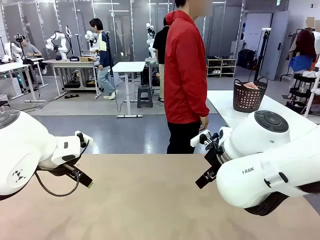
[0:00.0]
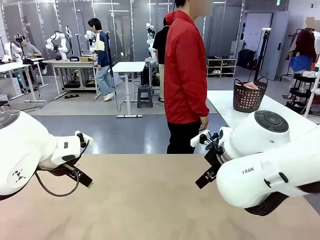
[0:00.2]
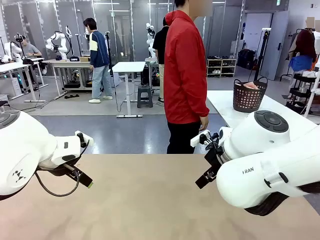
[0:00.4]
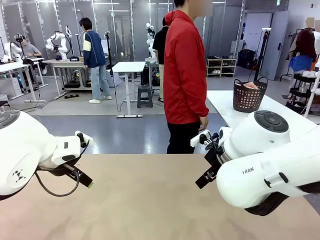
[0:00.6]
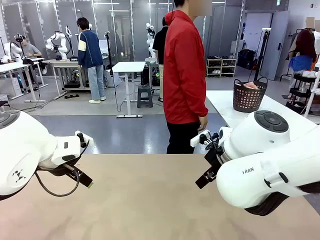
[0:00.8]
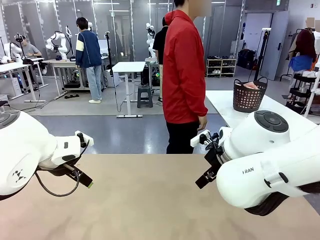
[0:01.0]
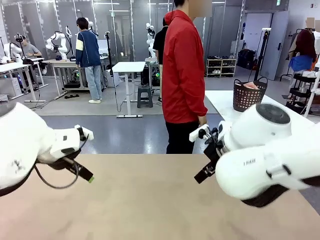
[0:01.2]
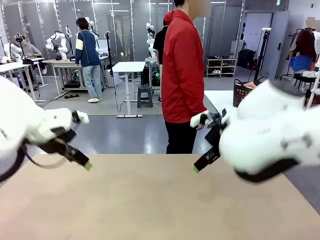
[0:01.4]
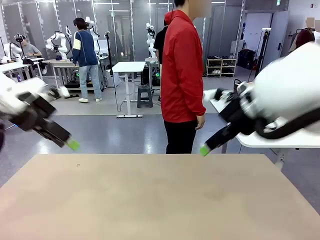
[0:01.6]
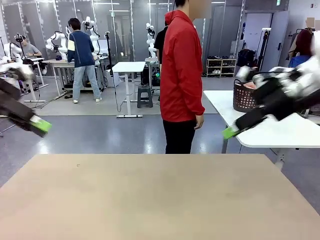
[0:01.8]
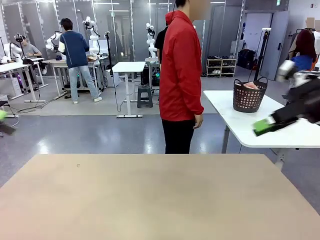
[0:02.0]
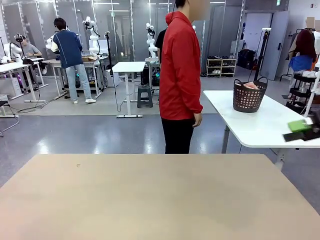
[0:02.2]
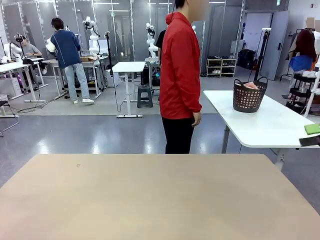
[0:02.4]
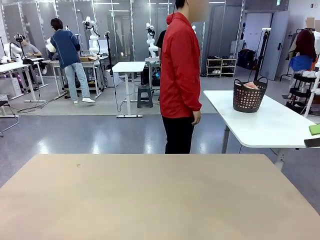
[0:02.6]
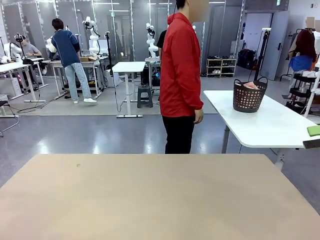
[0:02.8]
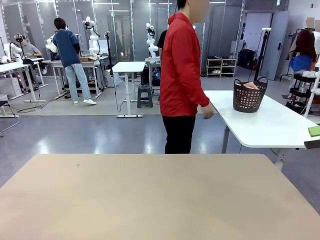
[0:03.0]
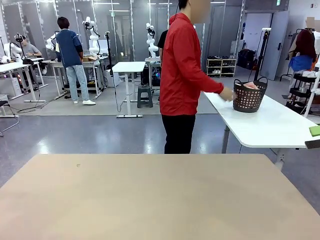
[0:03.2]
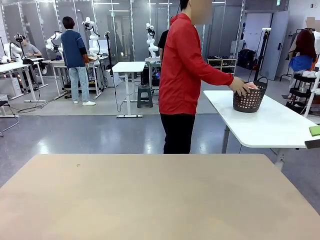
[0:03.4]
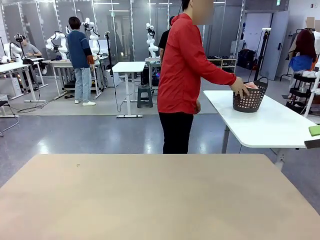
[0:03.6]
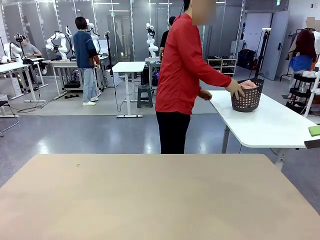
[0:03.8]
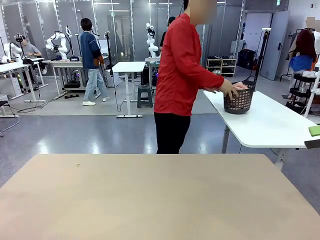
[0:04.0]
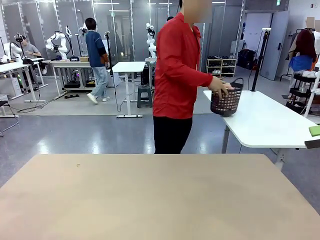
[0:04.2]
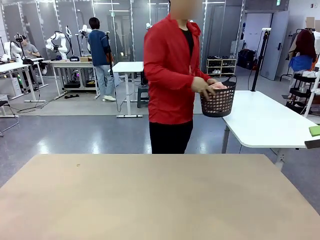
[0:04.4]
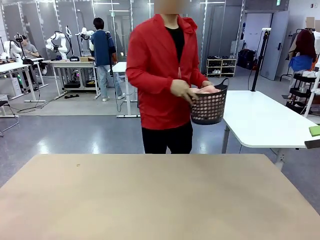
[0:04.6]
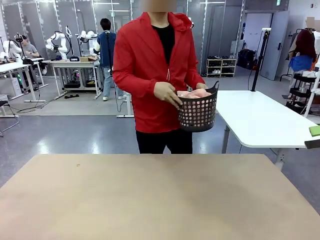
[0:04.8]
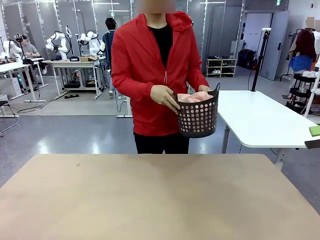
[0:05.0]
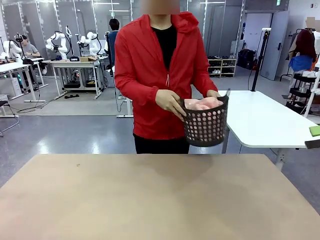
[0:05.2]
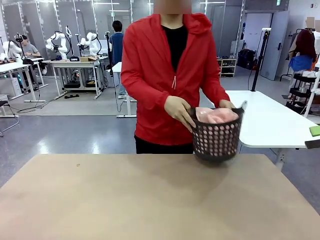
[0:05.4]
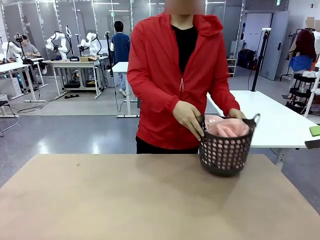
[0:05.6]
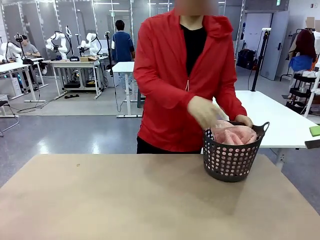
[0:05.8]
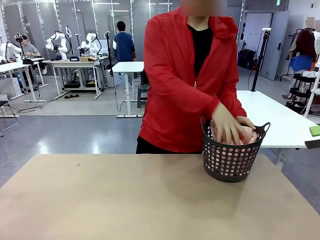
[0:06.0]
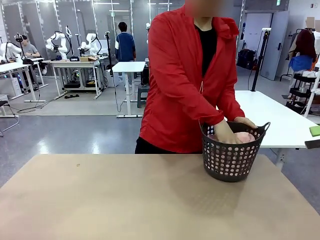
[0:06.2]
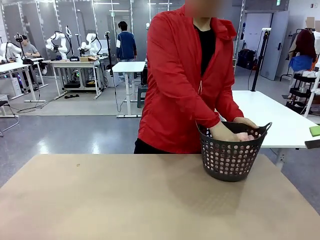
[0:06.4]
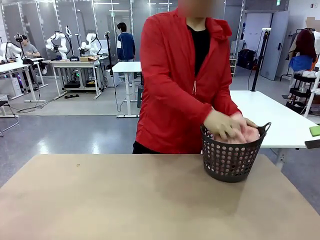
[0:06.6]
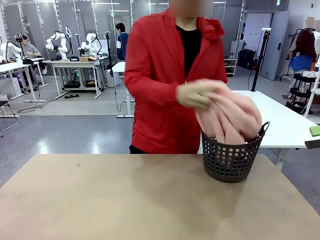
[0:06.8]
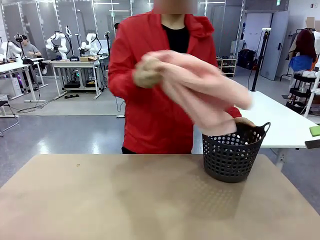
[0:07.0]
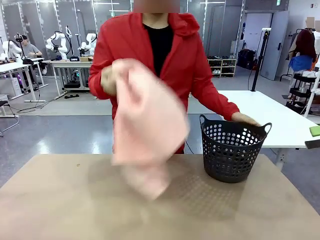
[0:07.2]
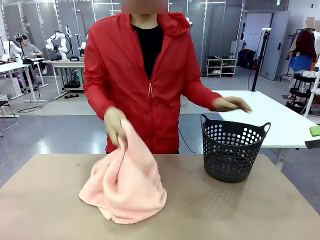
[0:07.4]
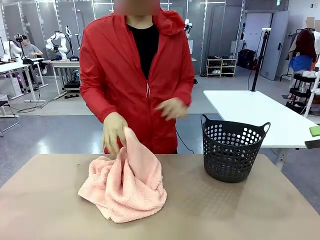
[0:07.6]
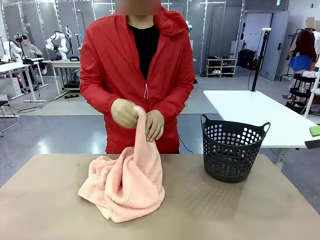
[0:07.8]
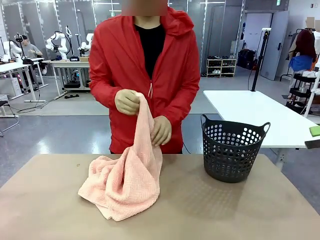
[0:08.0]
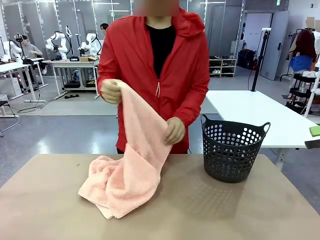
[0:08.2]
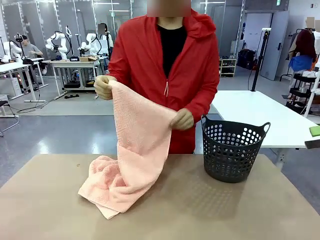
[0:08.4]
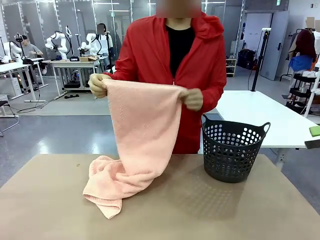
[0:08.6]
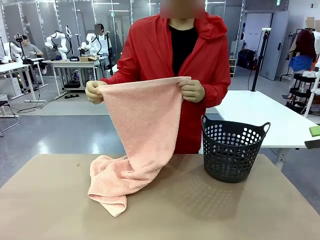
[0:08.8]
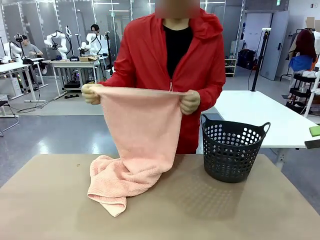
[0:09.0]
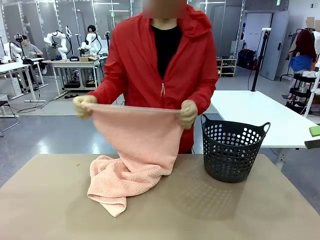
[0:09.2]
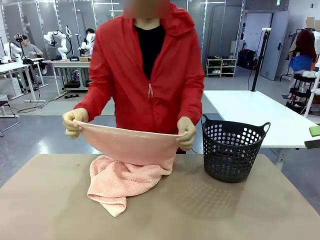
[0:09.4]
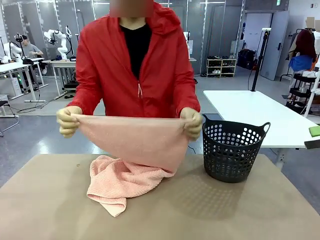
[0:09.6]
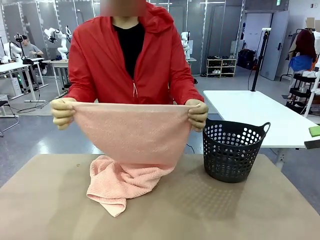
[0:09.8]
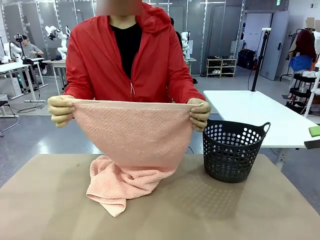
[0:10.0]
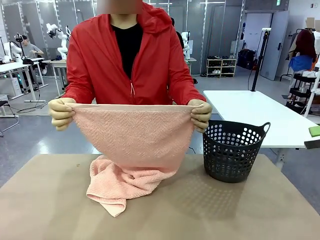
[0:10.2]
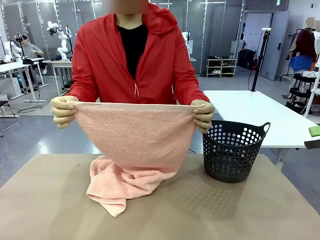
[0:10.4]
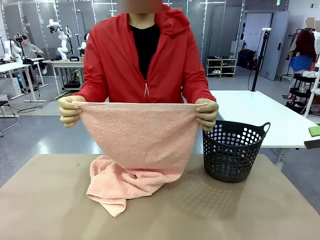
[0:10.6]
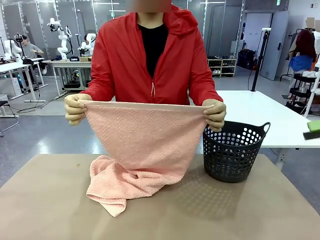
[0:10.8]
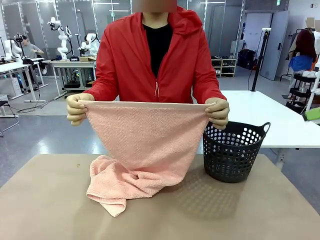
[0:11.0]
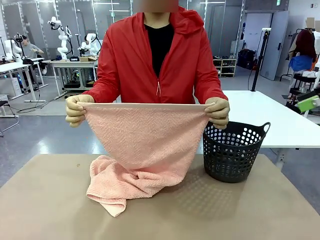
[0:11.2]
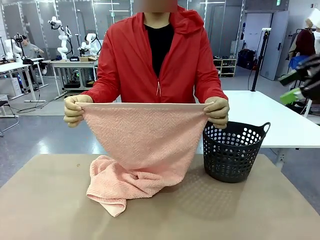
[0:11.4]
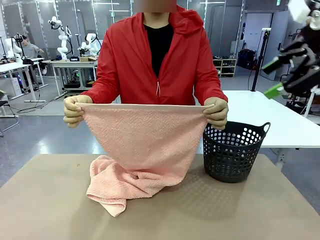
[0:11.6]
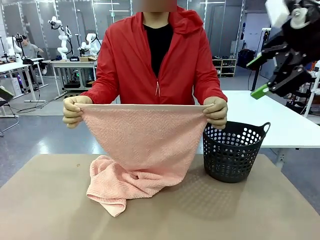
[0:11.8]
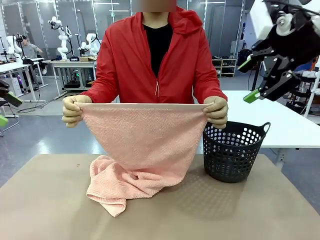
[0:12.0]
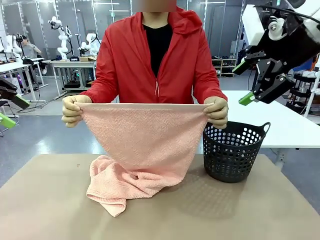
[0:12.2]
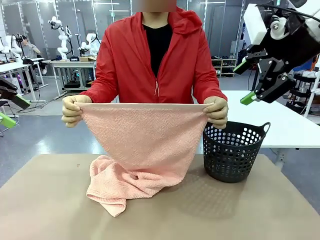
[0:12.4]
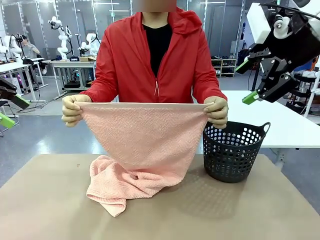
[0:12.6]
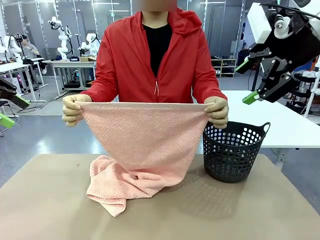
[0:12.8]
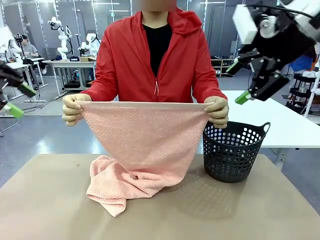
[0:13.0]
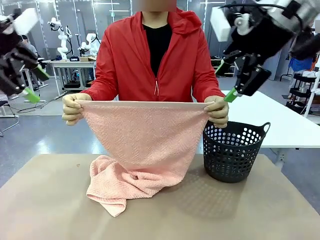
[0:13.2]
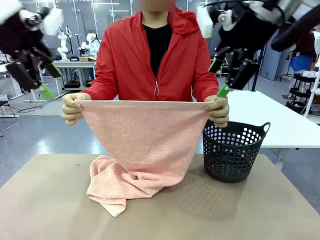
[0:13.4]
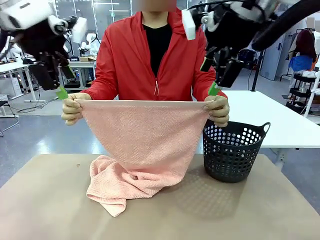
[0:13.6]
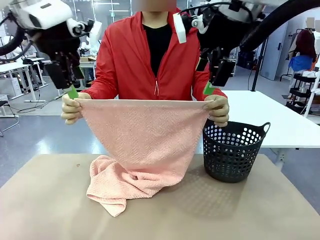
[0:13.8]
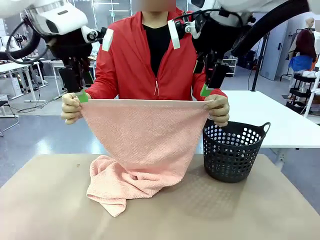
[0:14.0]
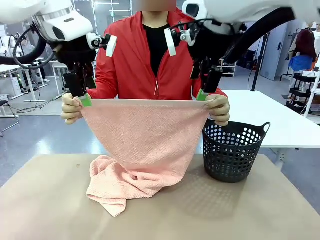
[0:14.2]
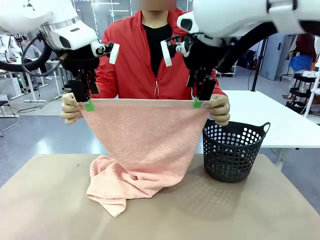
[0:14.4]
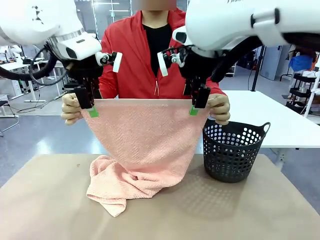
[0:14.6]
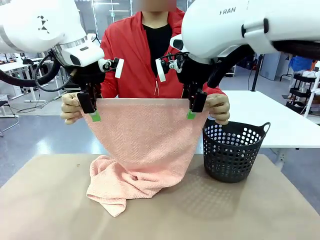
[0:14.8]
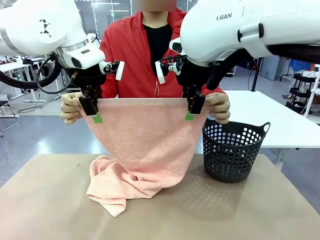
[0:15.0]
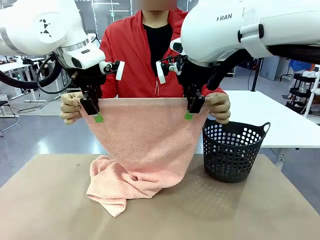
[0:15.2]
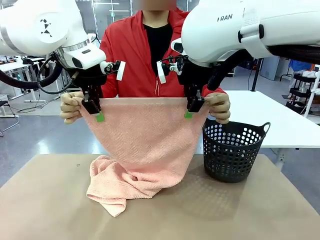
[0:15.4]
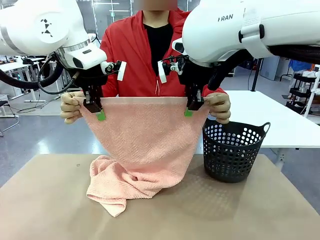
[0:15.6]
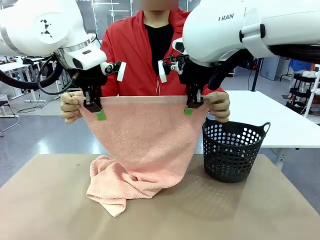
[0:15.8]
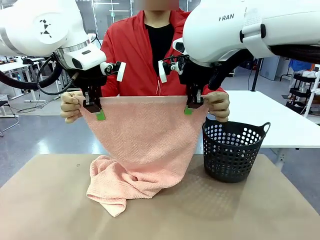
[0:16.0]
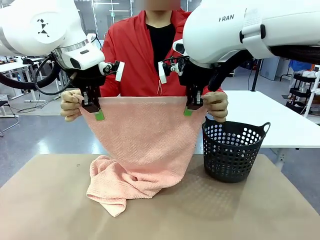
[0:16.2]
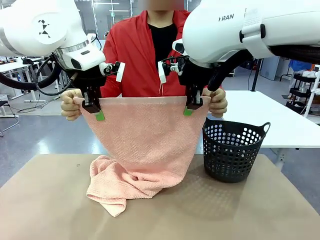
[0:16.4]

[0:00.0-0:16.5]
Task: Fold the towel.
Robot: Grab the top end of the 100 cm Hotel Towel extended by the human.
Person: Pick up the laundry basket, place it on the left side of the robot table, then take out a towel and hand it to the robot while holding both corners of one end.
